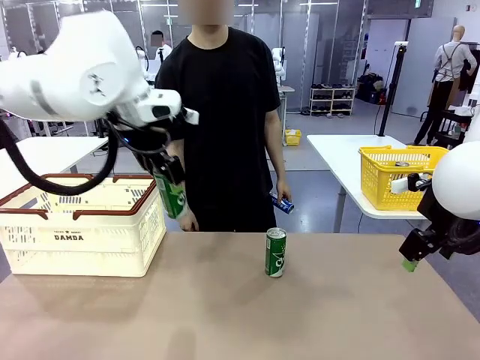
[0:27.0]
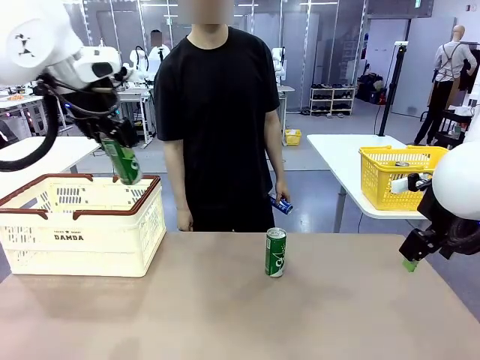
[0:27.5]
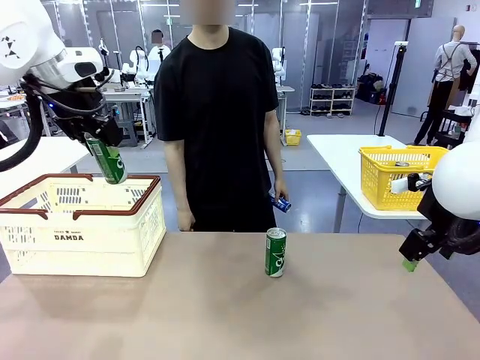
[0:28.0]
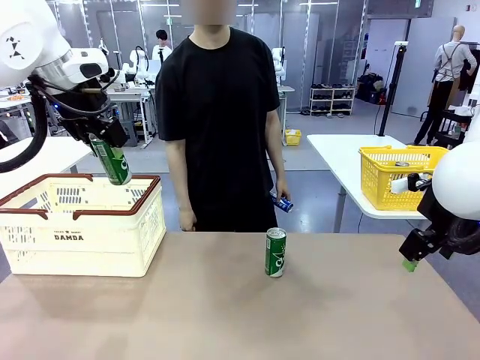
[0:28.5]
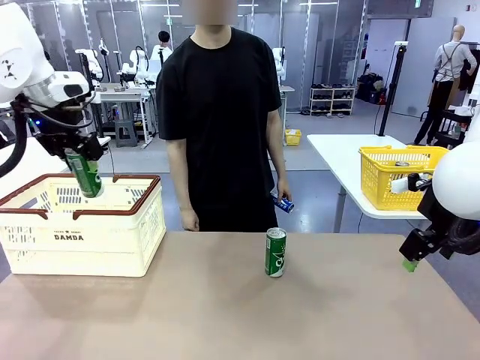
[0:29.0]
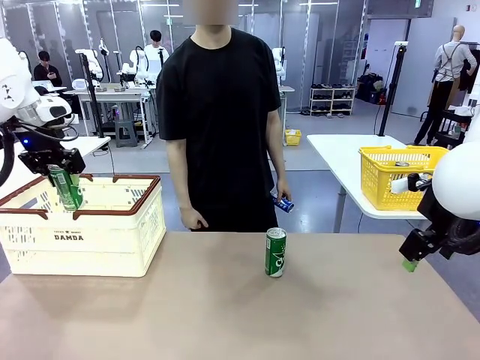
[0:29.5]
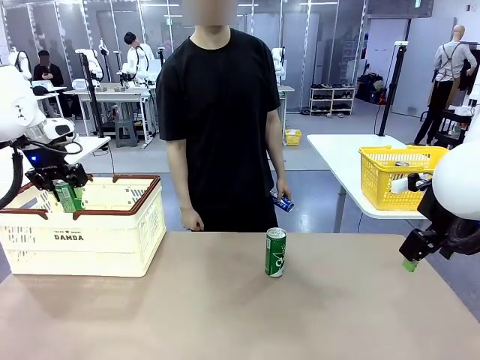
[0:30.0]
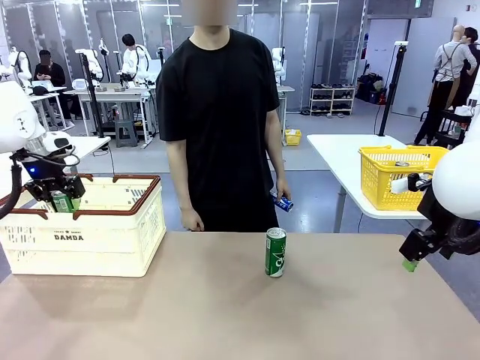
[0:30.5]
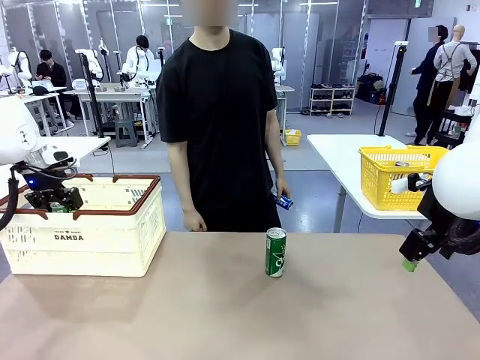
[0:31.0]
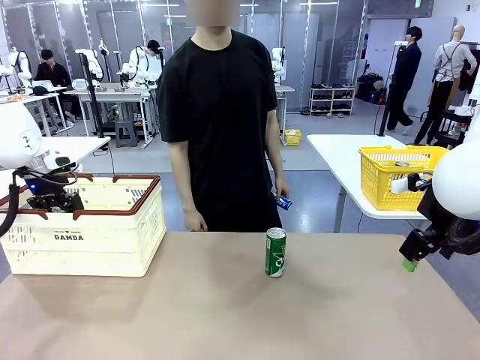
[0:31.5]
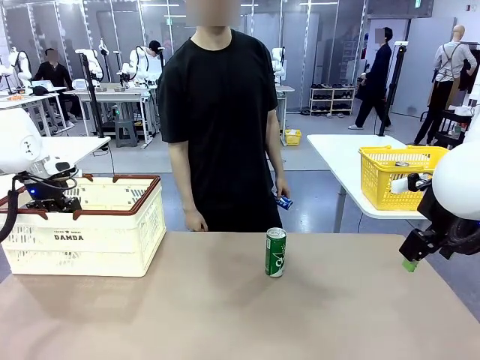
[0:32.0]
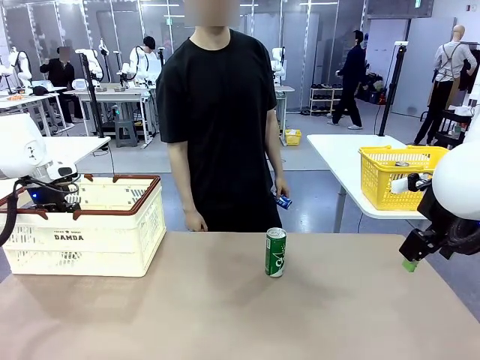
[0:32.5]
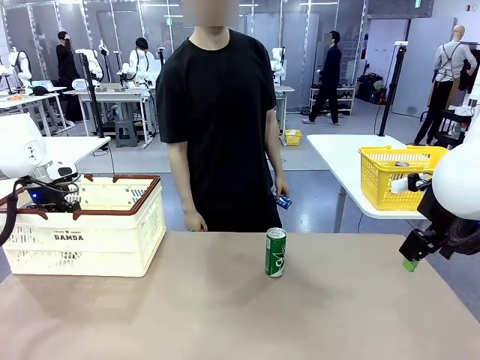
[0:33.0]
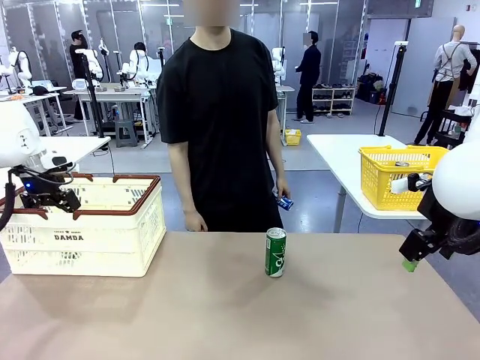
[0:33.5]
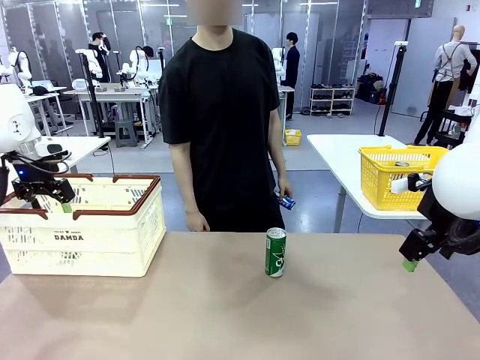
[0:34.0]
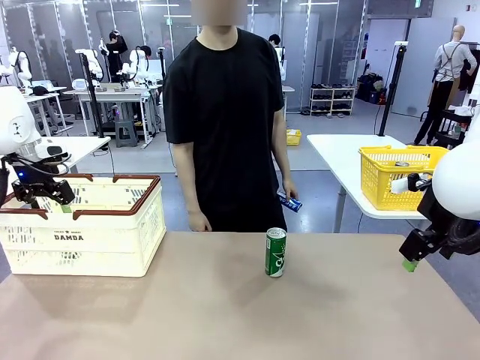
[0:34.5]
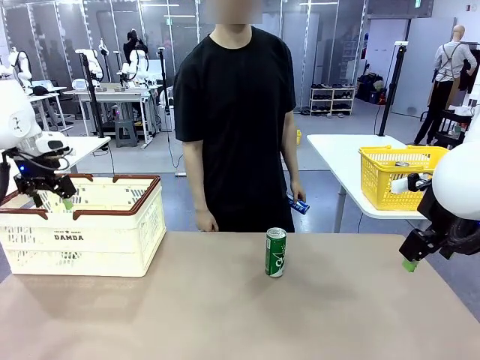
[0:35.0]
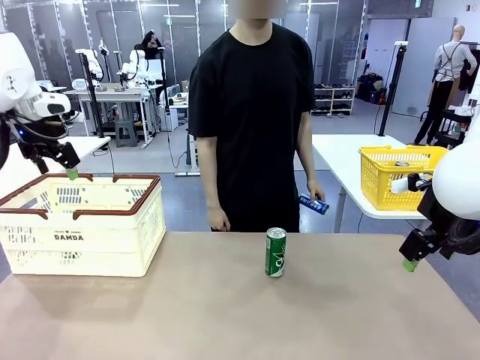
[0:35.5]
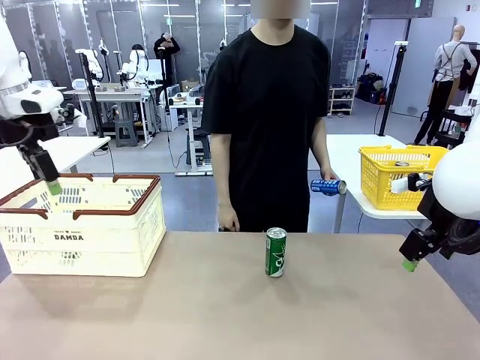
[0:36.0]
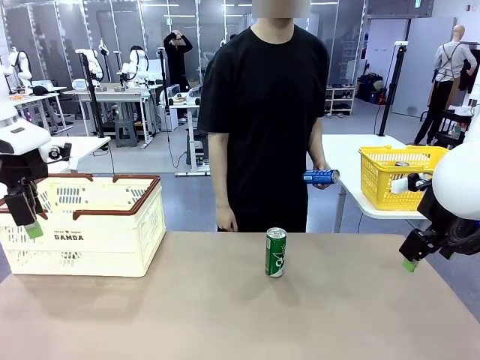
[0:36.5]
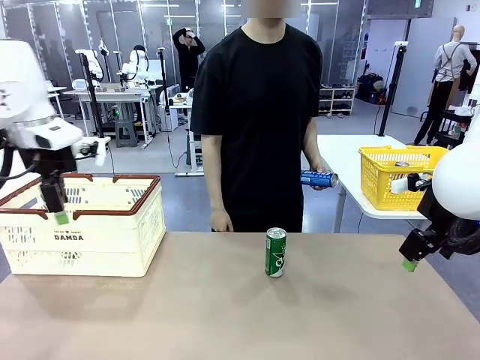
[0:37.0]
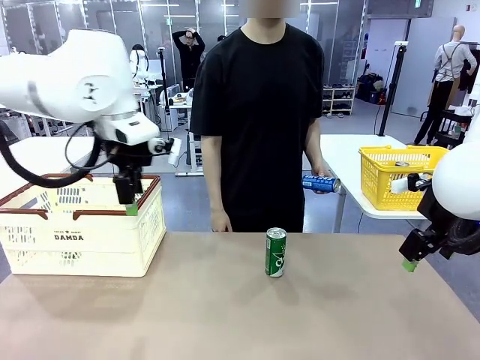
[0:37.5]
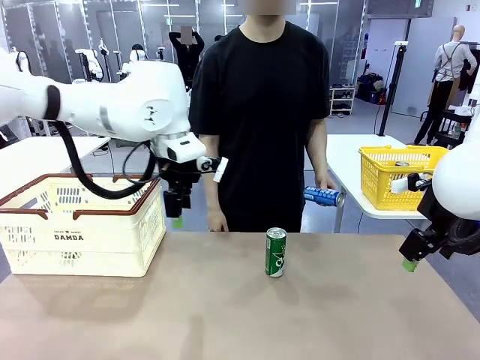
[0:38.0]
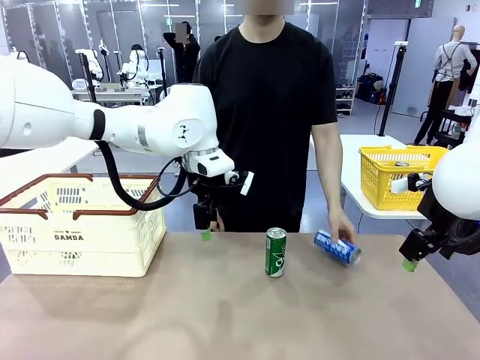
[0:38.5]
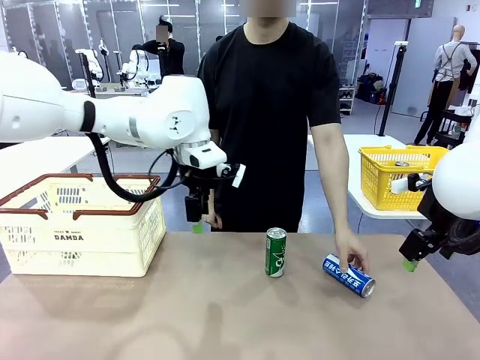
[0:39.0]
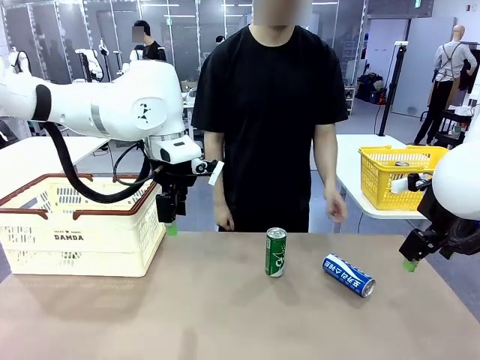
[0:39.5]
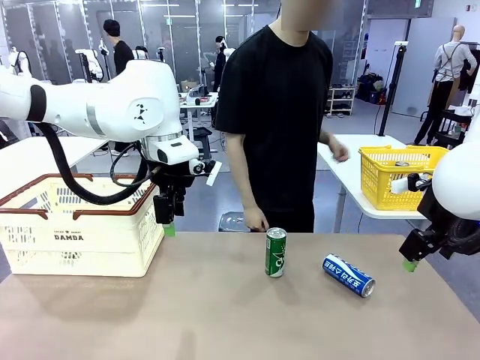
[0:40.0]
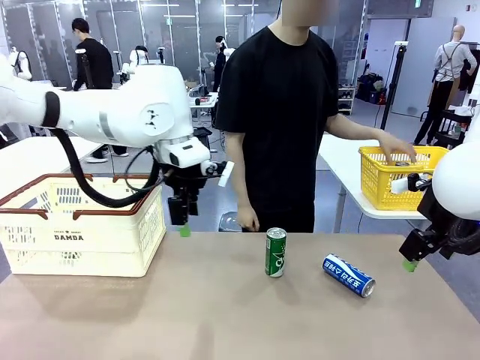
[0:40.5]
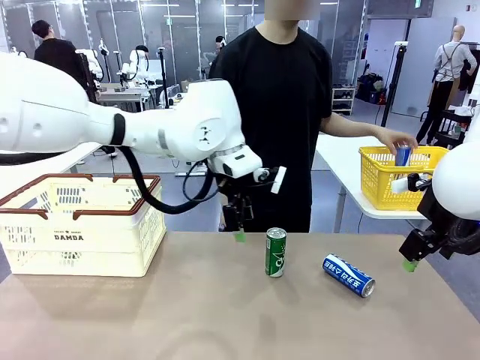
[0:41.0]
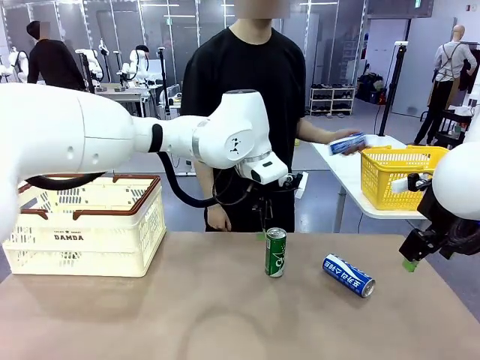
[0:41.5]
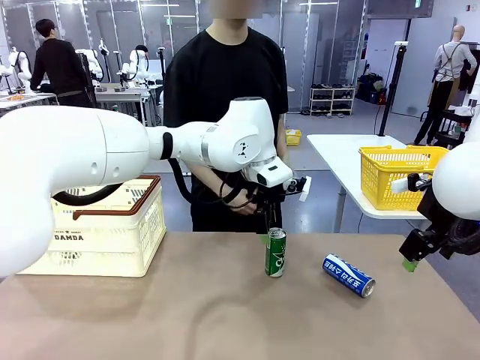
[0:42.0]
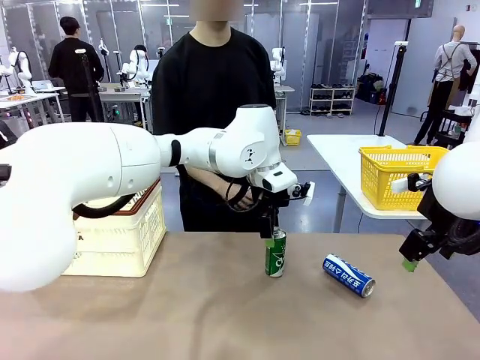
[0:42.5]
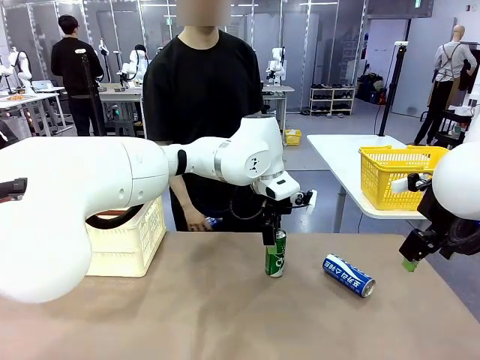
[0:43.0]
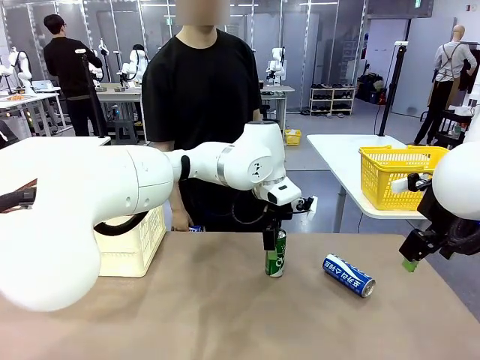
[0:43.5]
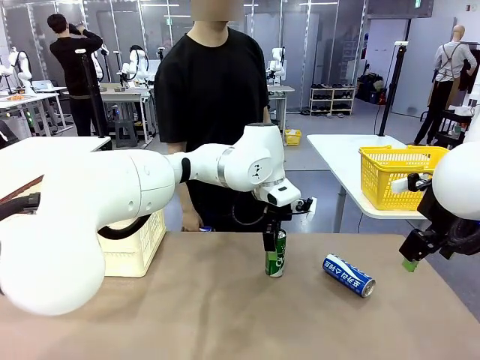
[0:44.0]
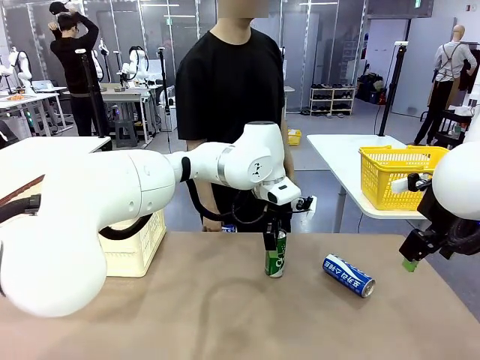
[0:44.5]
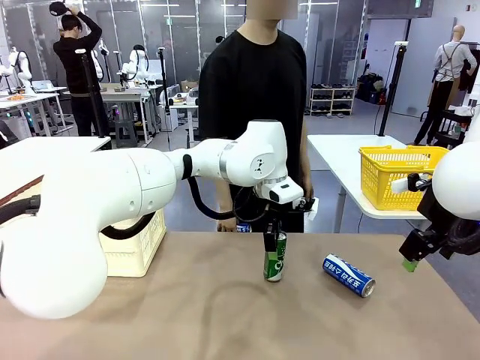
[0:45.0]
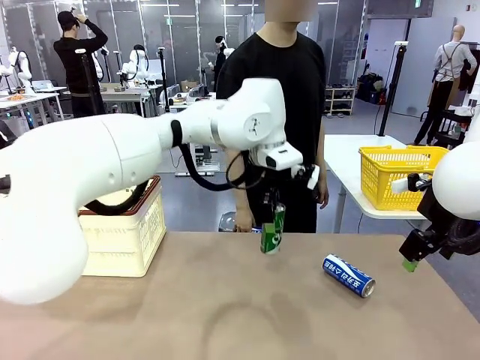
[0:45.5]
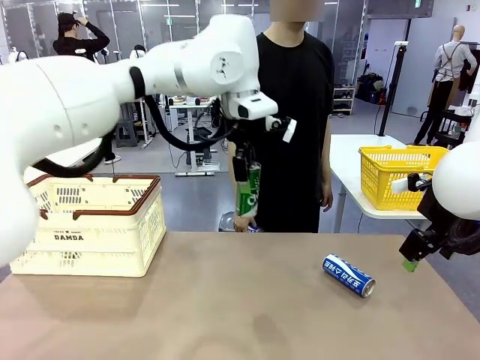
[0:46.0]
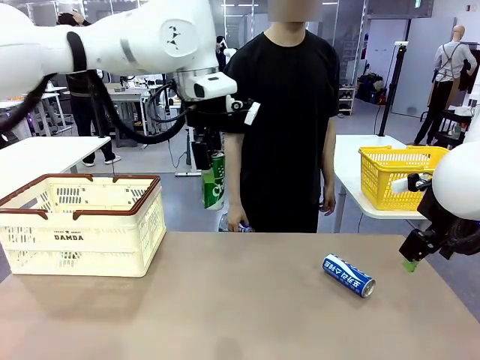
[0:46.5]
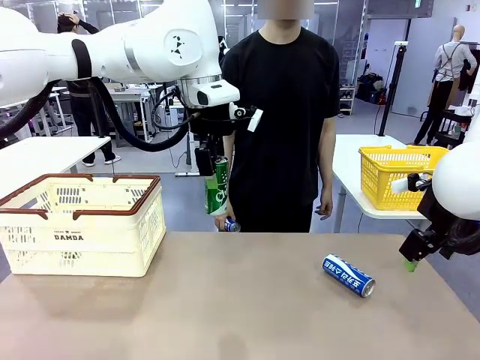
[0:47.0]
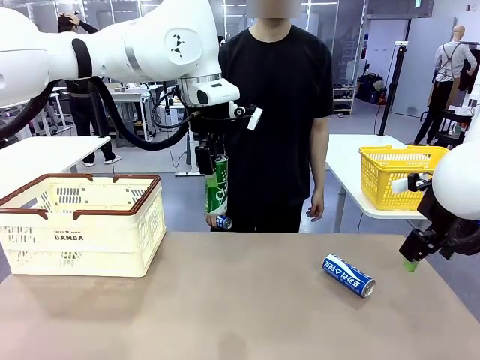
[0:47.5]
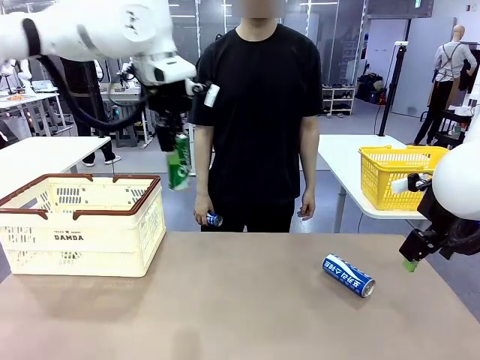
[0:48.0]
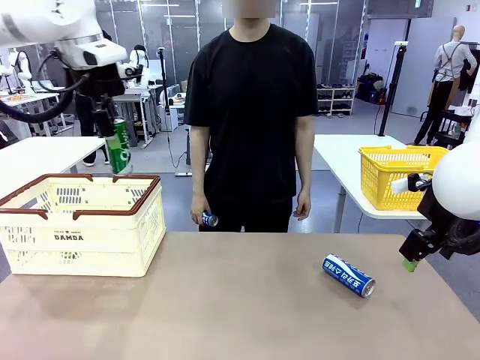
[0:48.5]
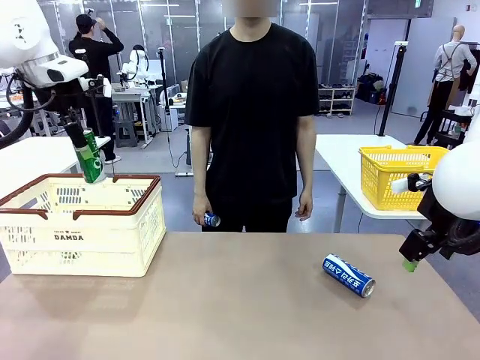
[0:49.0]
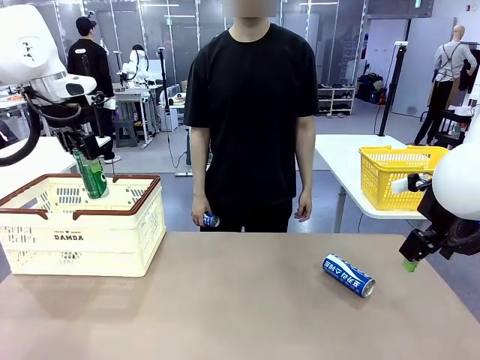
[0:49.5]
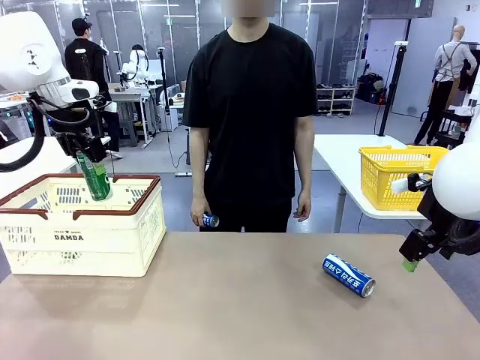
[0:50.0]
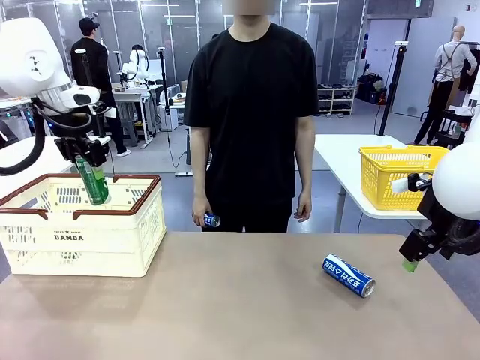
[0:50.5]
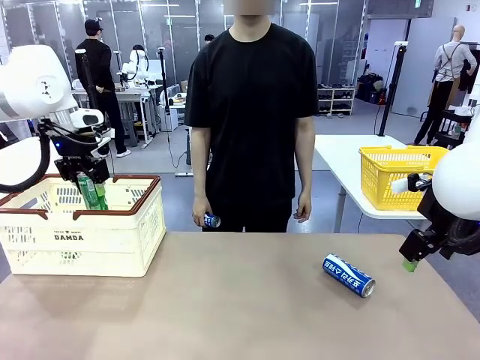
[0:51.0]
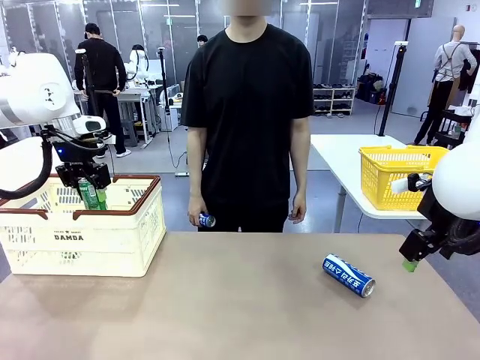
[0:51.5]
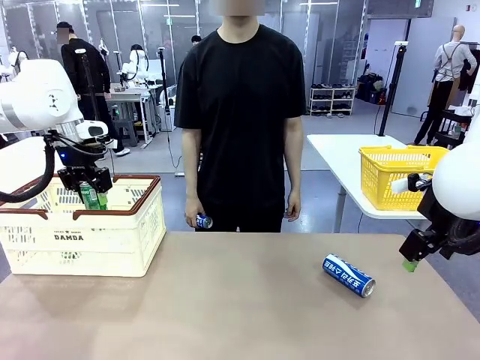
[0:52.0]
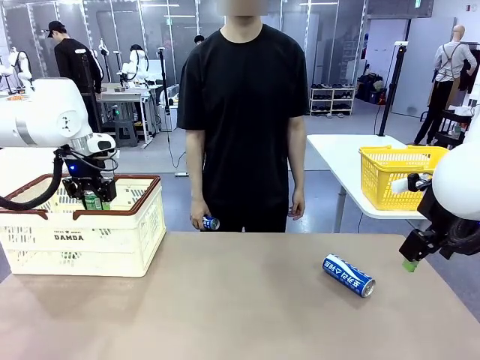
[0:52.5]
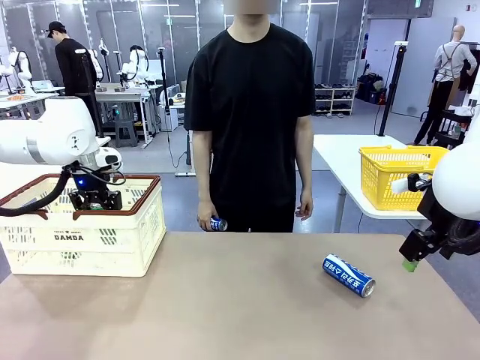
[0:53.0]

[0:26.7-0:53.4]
Task: Place the drinks into the Shopping basket.
Robot: Pick up one drink and place it into the Shopping basket.
